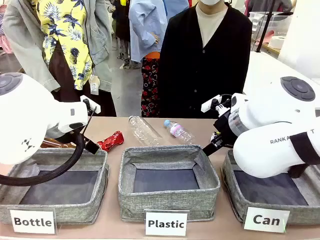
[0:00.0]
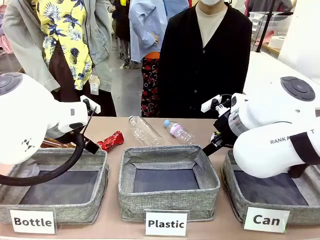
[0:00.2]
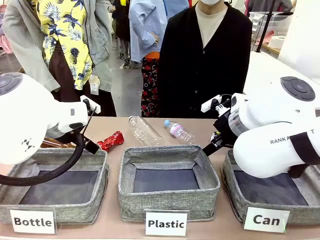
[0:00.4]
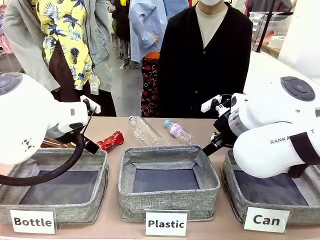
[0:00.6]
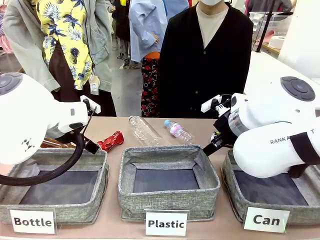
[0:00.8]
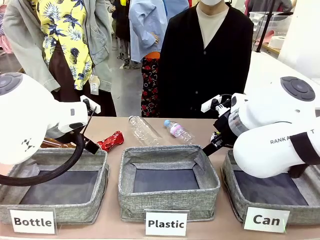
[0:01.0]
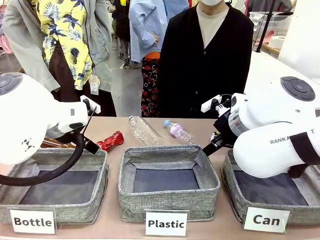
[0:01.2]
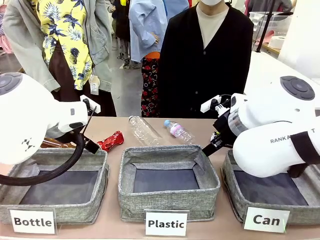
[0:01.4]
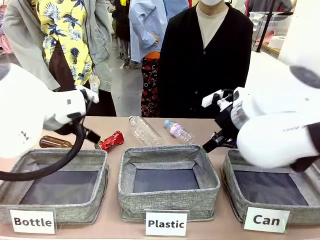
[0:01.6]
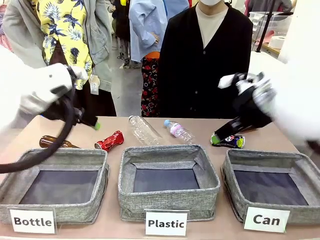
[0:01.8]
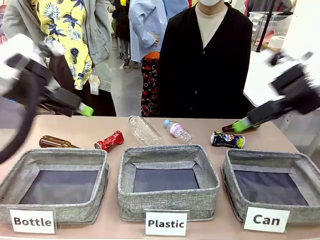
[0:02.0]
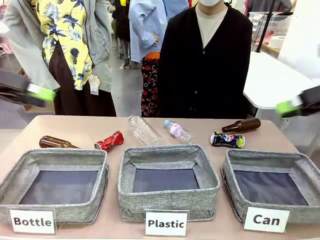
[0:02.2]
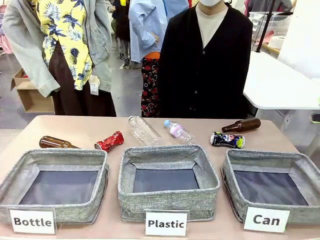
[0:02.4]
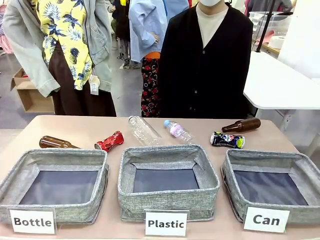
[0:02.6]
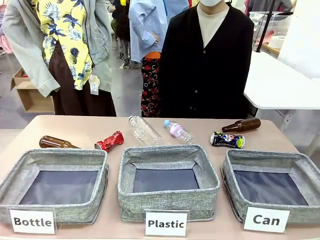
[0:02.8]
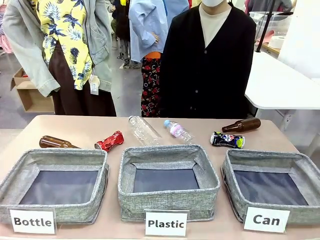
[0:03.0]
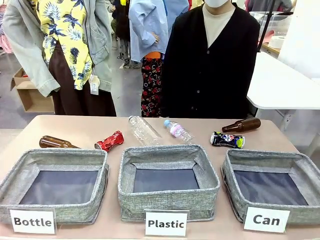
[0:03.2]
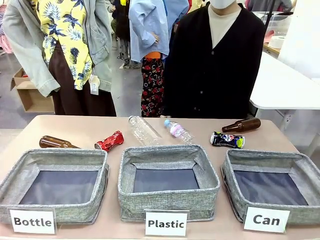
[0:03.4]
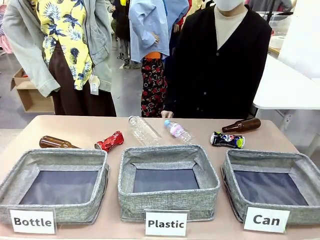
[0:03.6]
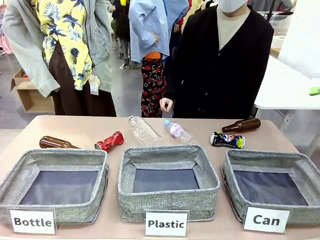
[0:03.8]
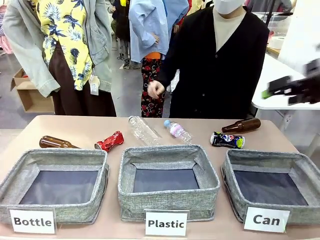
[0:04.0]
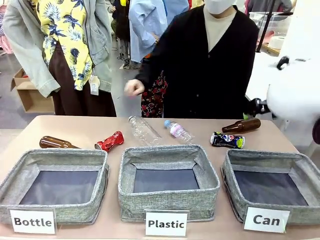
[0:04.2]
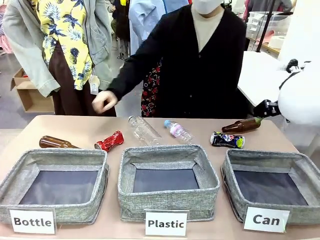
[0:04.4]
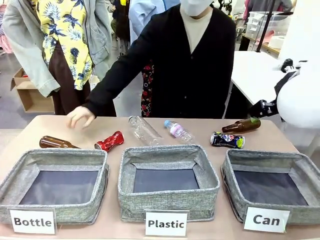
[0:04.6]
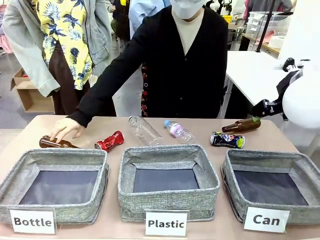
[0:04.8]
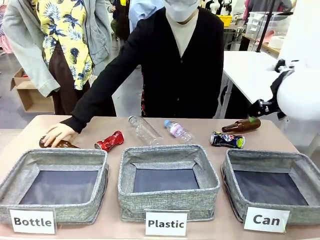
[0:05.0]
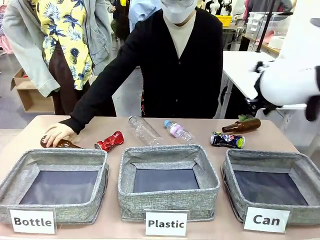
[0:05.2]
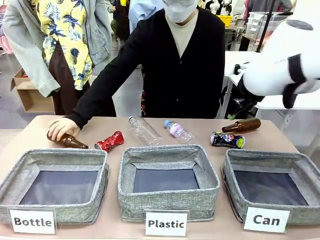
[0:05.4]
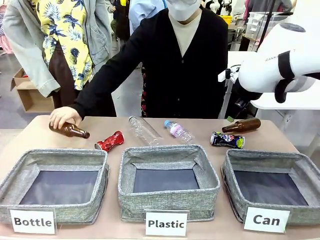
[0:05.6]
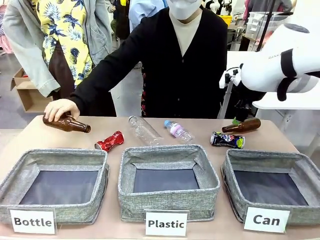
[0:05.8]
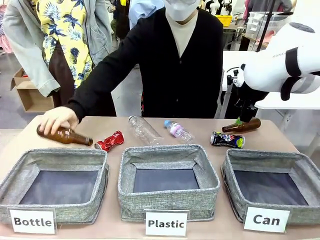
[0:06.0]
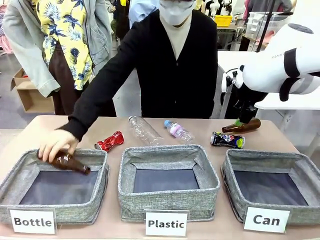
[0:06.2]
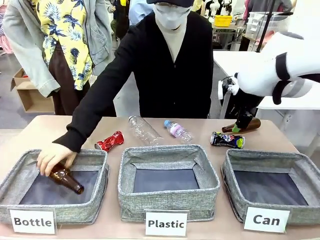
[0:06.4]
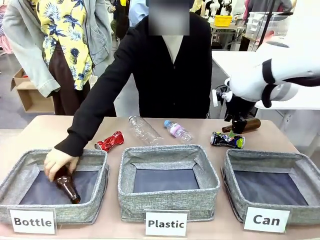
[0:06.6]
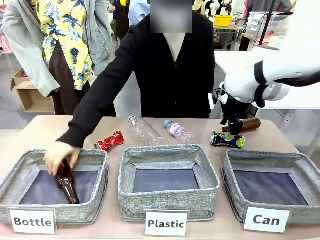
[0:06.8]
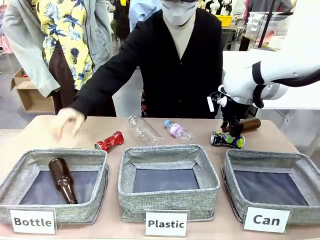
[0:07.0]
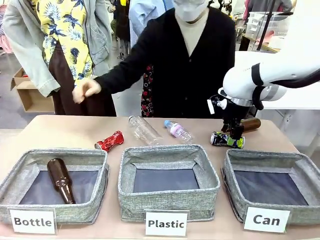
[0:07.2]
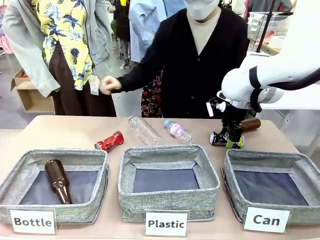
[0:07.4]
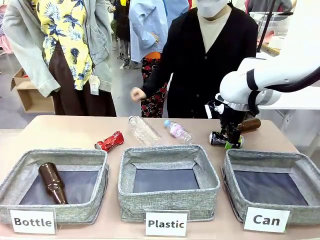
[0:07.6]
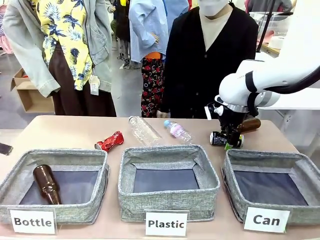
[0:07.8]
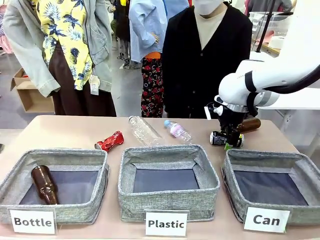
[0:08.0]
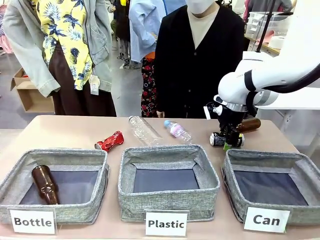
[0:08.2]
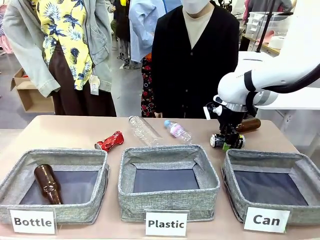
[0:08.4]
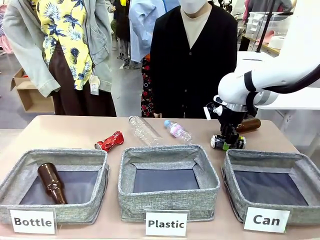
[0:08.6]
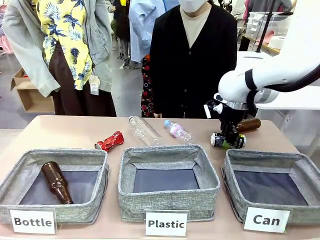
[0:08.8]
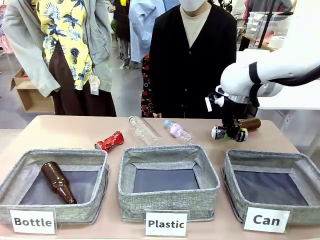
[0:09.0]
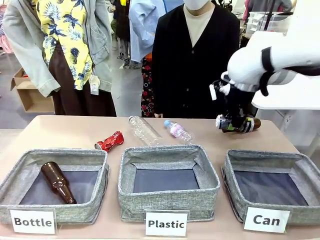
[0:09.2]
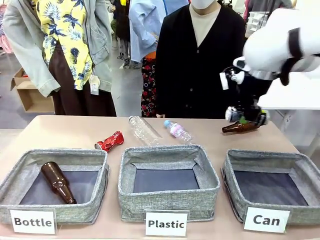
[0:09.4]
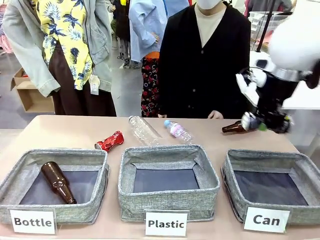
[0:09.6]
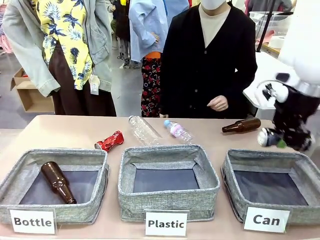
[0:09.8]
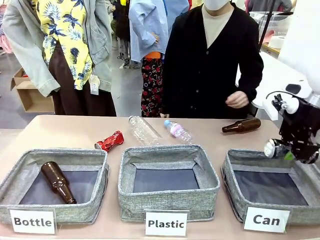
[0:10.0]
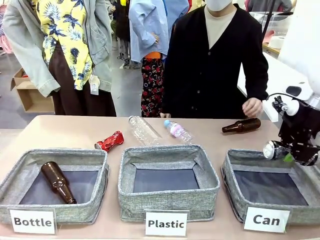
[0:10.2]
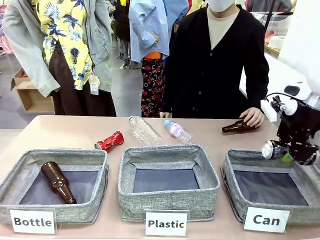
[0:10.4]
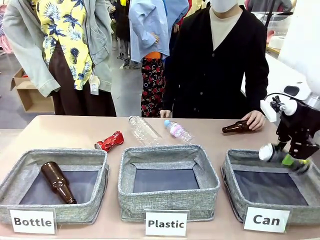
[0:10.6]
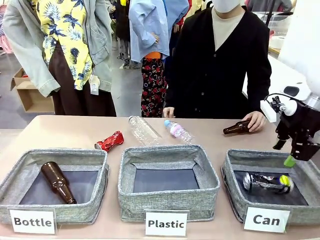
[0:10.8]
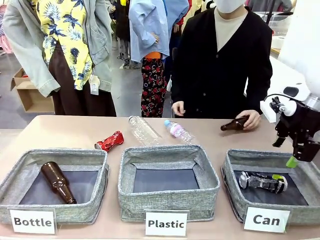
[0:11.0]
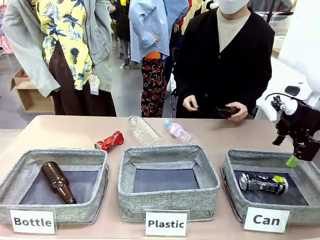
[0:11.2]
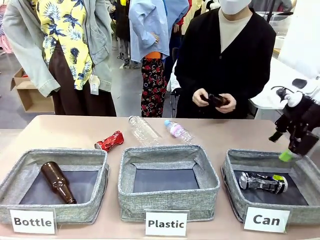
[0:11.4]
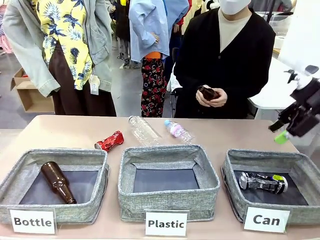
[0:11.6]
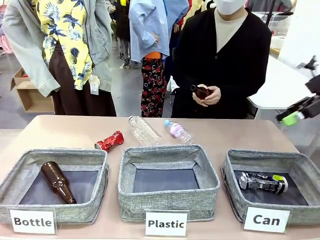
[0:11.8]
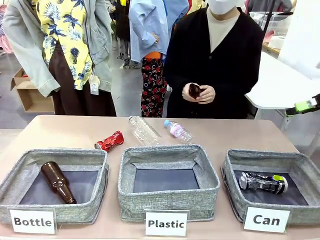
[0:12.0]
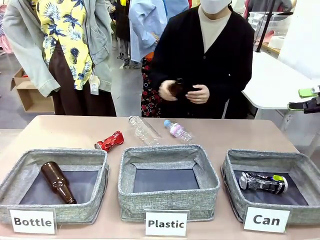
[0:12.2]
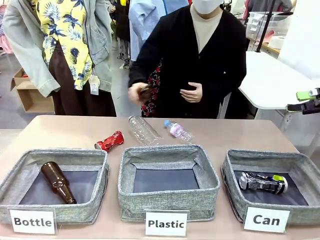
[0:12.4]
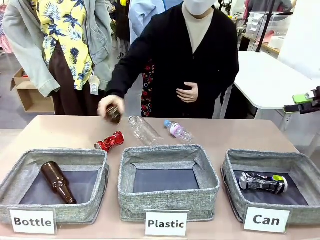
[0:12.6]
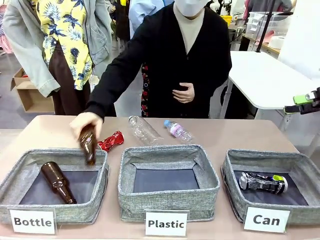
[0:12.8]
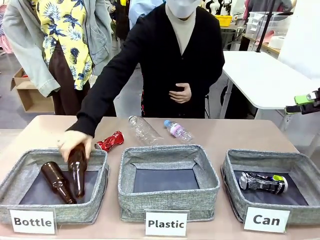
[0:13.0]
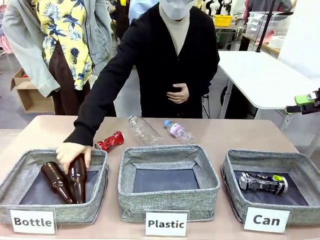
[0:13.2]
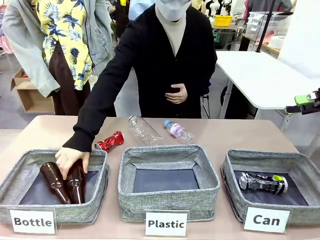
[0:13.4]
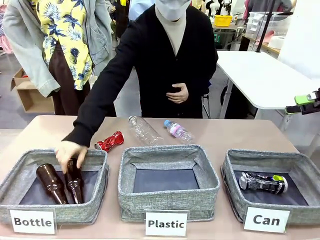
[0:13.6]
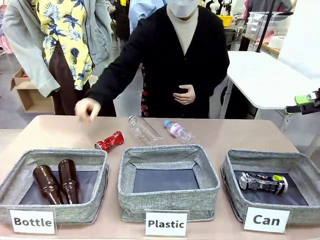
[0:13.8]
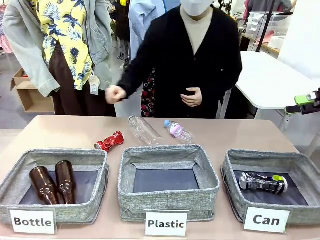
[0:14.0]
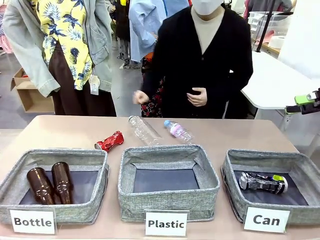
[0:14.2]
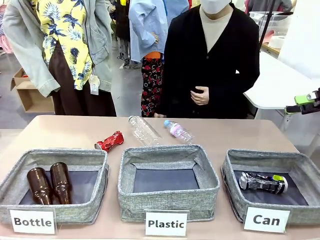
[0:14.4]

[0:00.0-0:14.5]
Task: Sort the can waste into the basket.
Robot: Pick up the can waste from the table and place it in the right Fabric basket.
